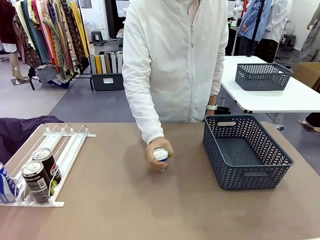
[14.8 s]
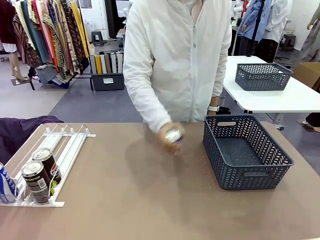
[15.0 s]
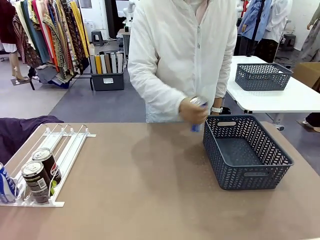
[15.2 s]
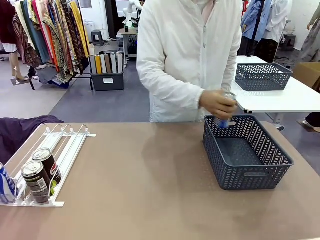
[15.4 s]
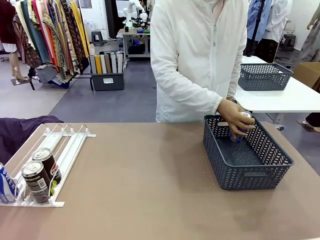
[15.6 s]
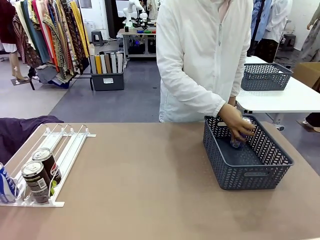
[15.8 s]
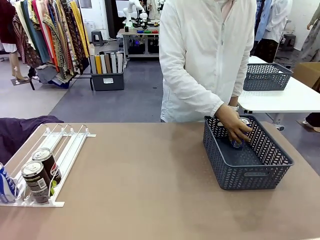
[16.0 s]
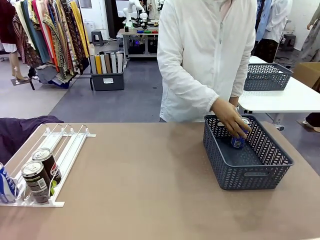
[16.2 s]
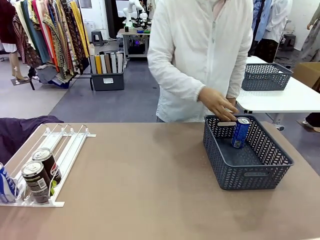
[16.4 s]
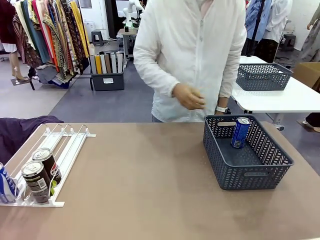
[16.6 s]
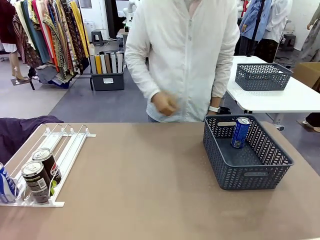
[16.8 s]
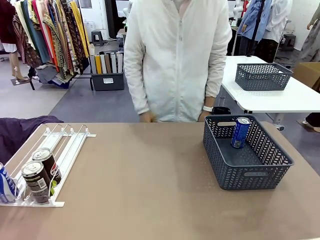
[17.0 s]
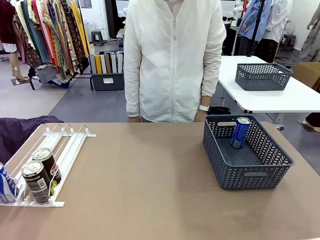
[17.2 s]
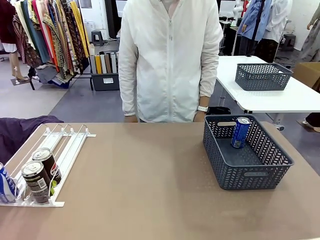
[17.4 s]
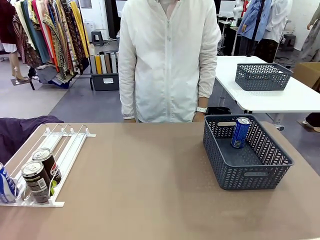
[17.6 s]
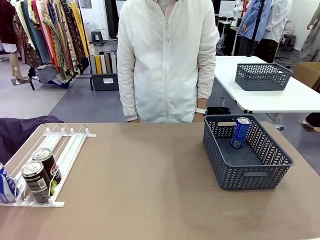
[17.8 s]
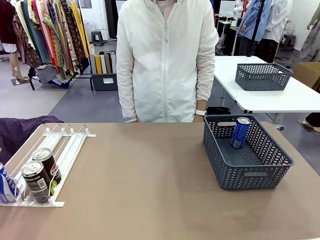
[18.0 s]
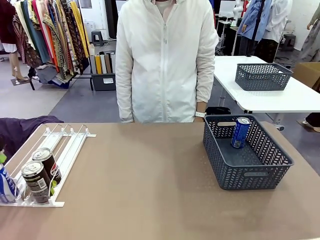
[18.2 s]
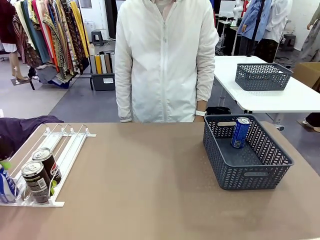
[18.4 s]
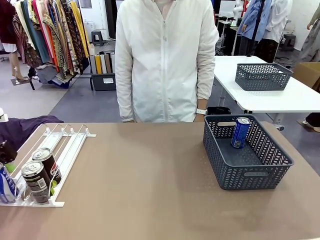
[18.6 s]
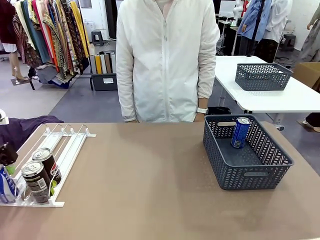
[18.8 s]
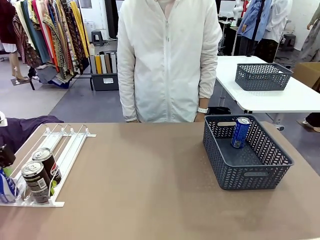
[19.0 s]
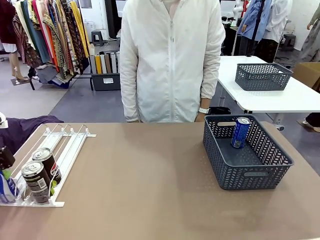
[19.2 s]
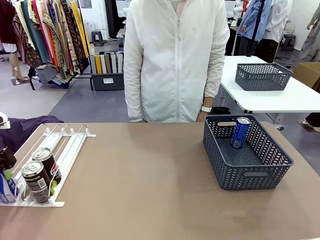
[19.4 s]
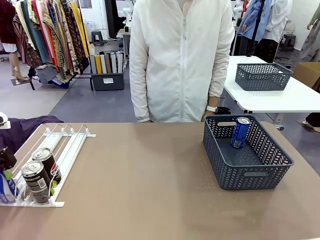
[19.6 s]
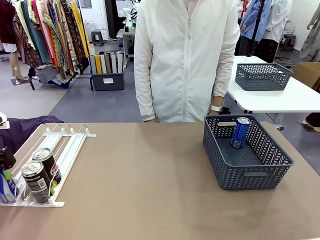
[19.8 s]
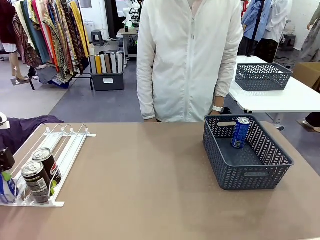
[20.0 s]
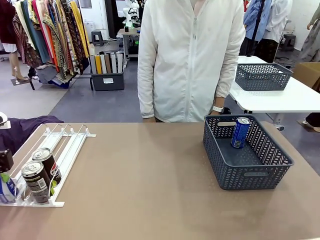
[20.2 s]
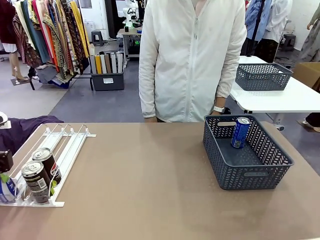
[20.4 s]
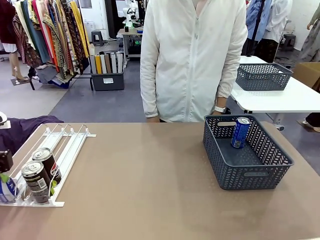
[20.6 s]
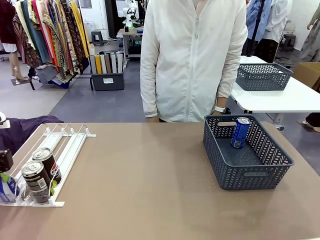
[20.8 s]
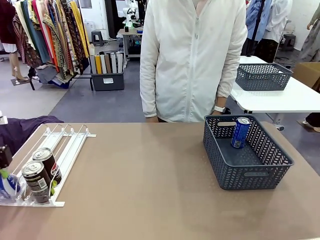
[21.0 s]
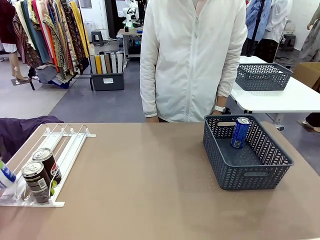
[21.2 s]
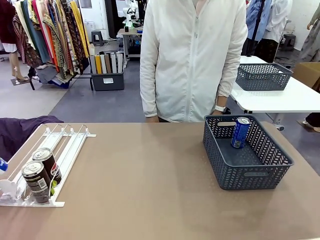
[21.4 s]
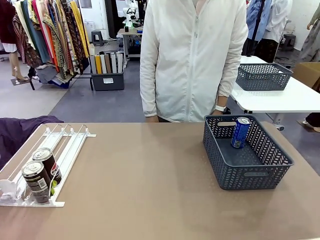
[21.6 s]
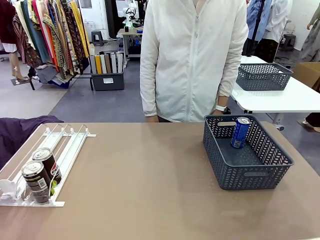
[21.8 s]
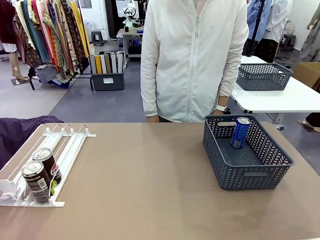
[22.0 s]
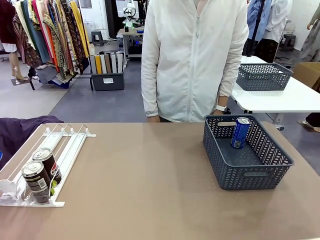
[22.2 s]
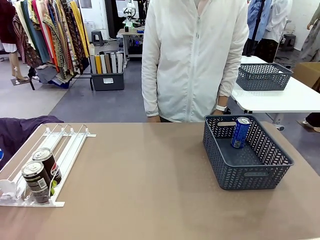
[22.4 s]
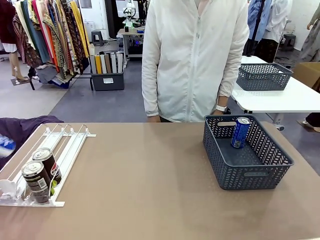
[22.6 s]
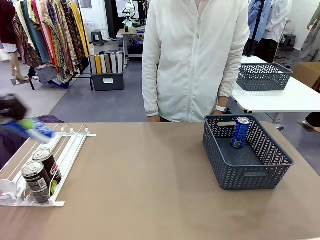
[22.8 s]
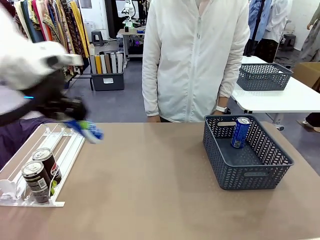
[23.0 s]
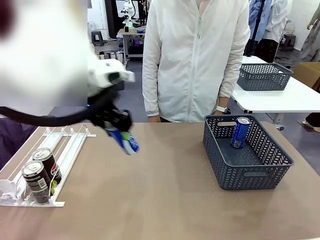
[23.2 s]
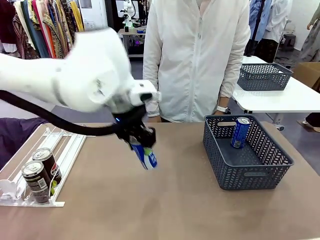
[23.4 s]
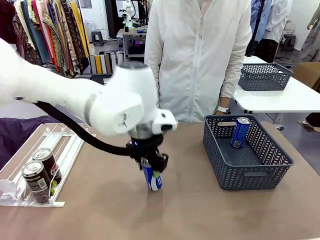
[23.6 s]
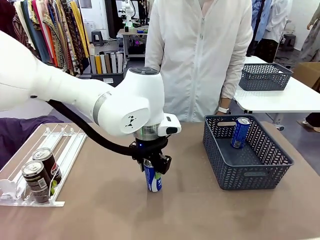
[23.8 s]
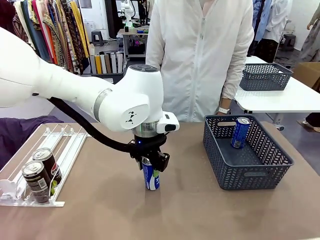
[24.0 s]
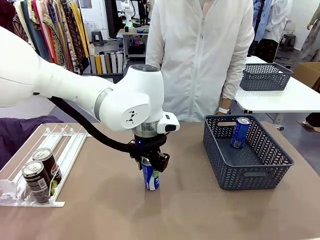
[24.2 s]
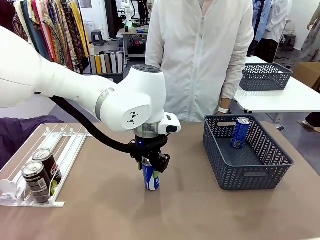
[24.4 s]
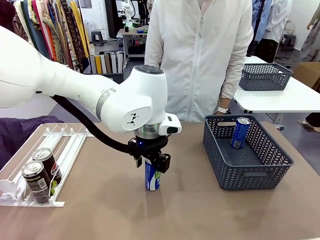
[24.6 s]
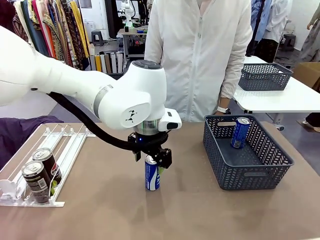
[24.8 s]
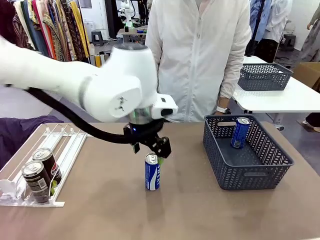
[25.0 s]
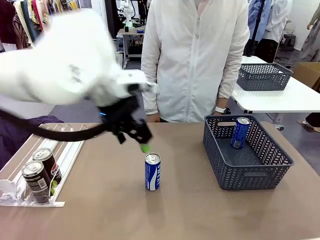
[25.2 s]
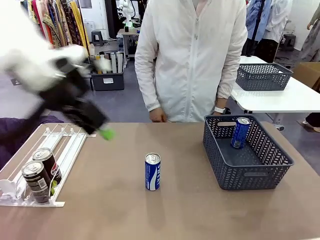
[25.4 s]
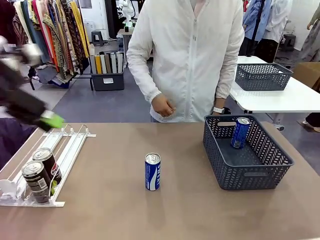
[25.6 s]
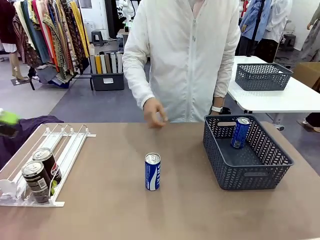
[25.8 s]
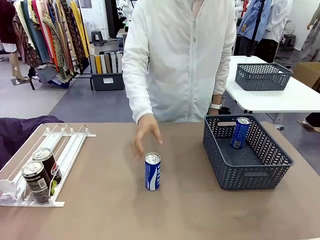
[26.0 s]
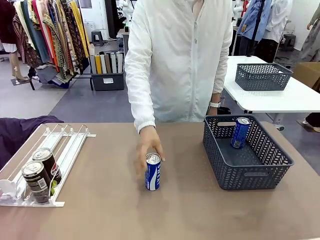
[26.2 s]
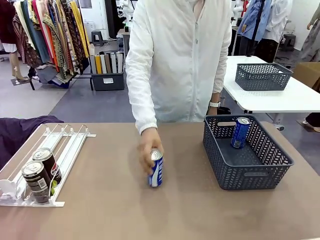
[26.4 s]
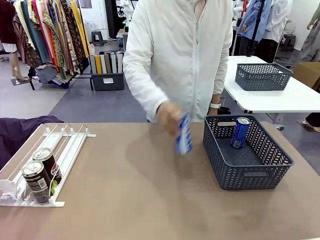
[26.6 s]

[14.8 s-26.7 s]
Task: Retrieve and store the cans from the dispenser.
Robot: Pick up the last remaining can from one row of the Automatic Can Dispenser and place it in the middle of the table.
Person: Pick up one Pepsi can from the middle of the robot table and place it in the basket.
